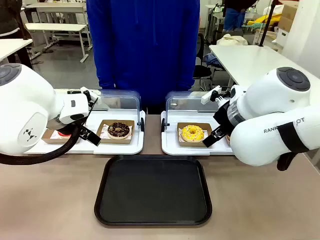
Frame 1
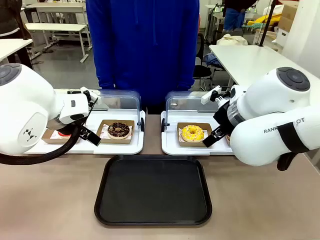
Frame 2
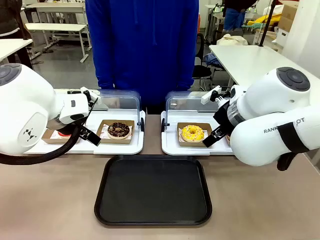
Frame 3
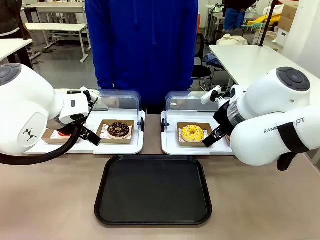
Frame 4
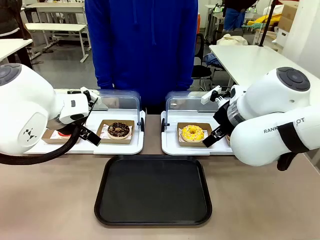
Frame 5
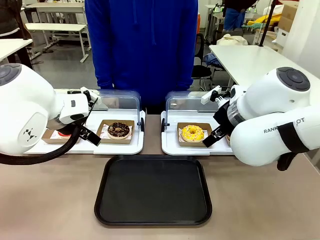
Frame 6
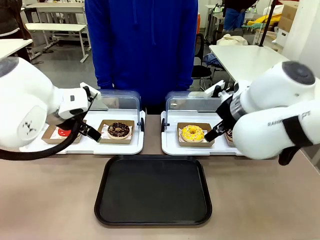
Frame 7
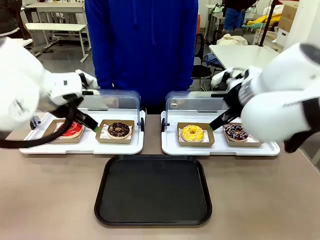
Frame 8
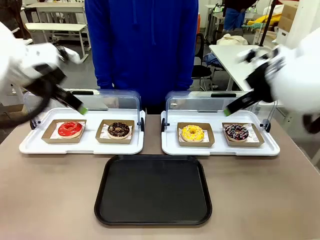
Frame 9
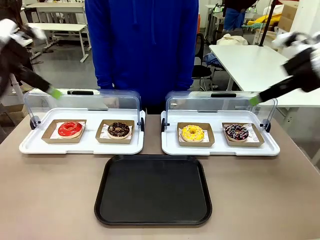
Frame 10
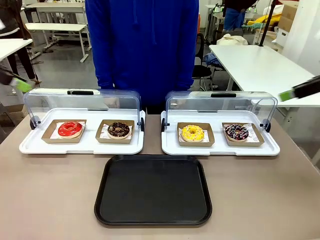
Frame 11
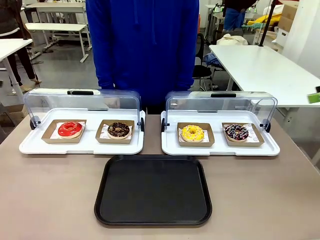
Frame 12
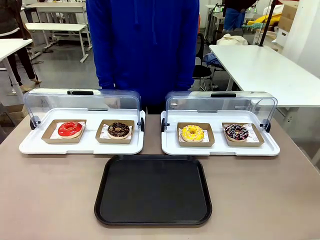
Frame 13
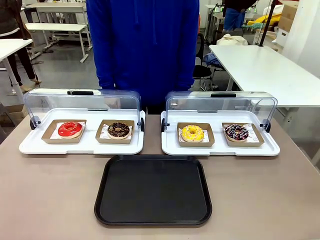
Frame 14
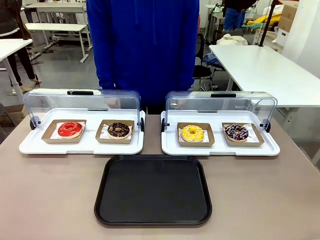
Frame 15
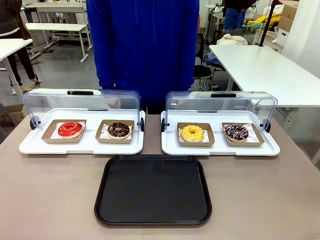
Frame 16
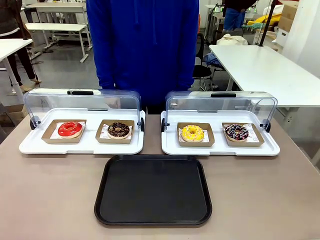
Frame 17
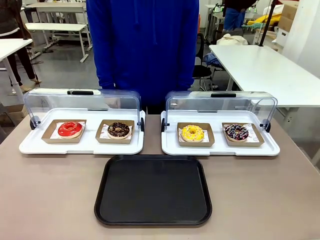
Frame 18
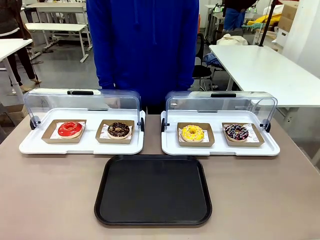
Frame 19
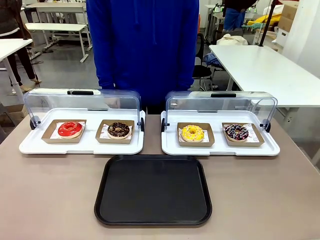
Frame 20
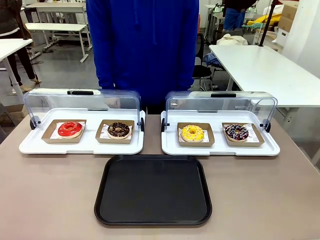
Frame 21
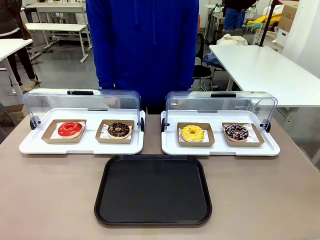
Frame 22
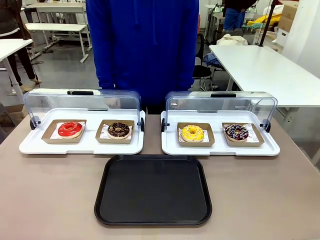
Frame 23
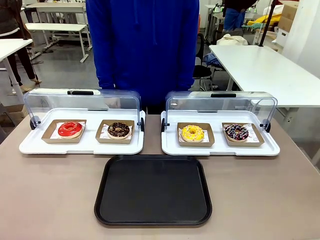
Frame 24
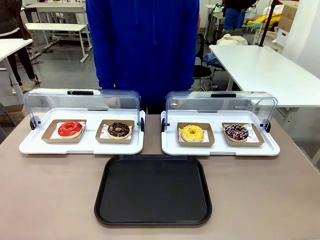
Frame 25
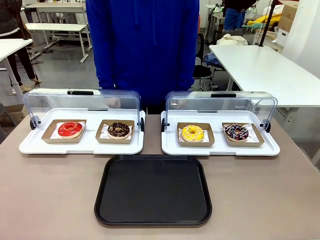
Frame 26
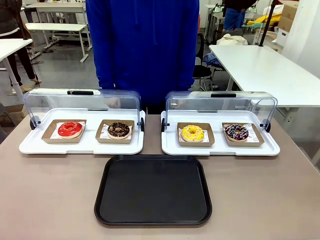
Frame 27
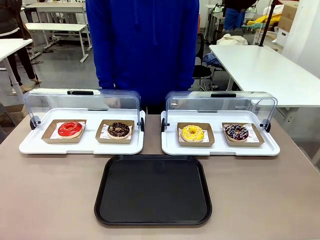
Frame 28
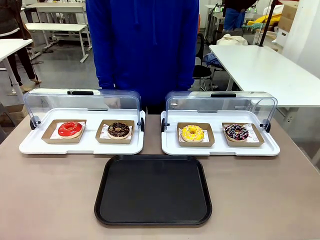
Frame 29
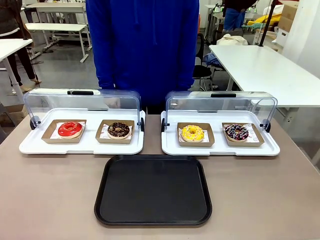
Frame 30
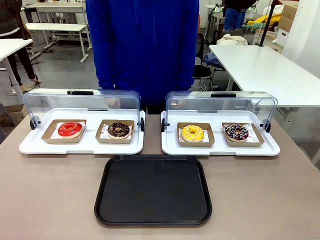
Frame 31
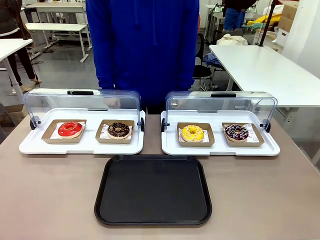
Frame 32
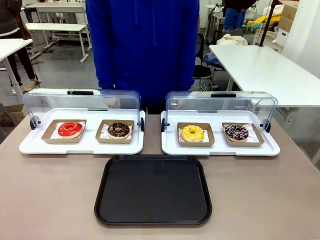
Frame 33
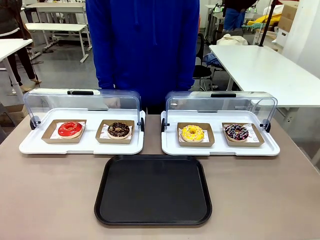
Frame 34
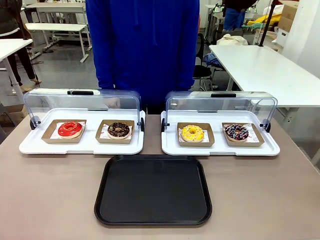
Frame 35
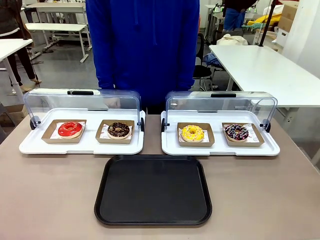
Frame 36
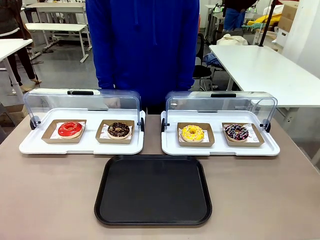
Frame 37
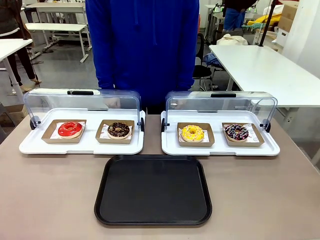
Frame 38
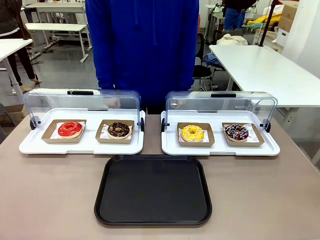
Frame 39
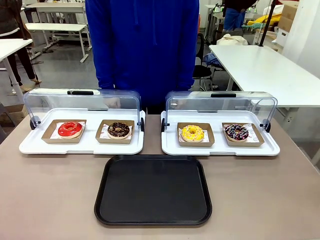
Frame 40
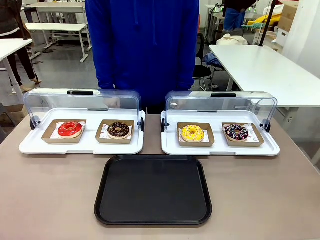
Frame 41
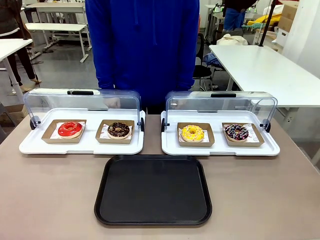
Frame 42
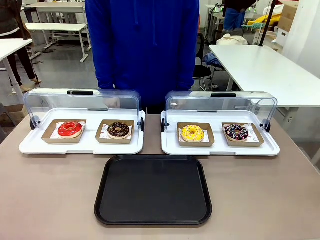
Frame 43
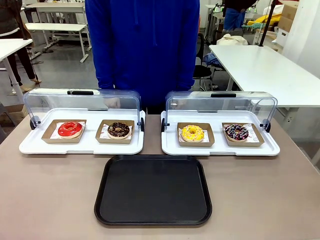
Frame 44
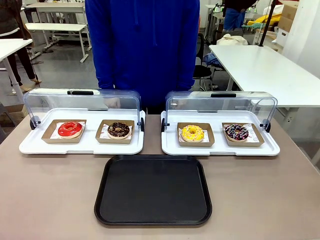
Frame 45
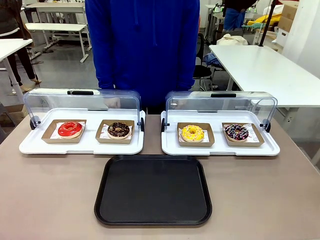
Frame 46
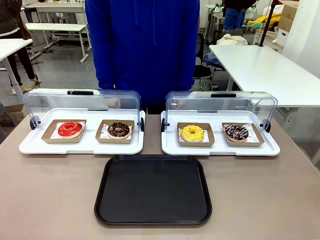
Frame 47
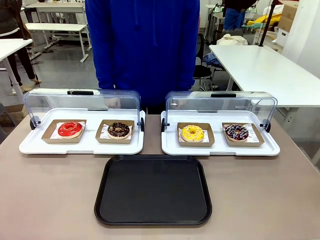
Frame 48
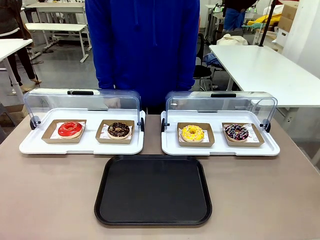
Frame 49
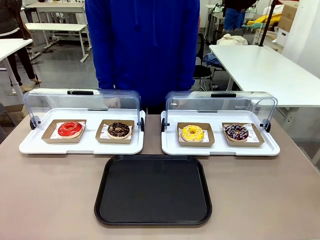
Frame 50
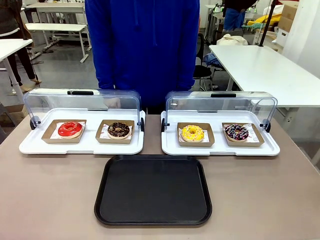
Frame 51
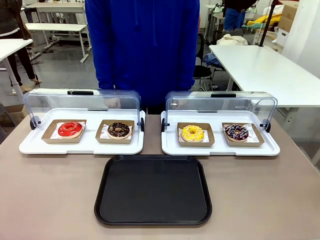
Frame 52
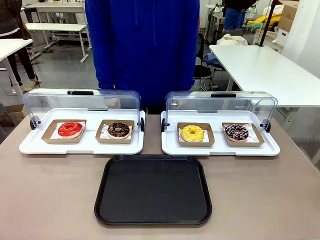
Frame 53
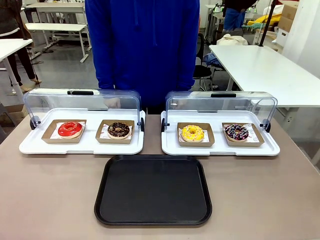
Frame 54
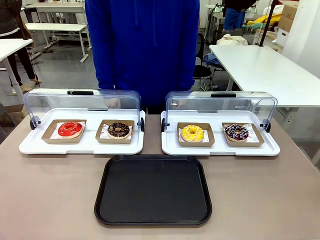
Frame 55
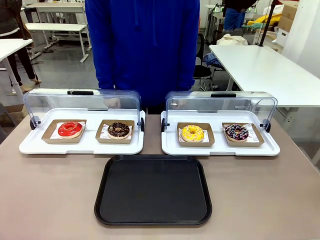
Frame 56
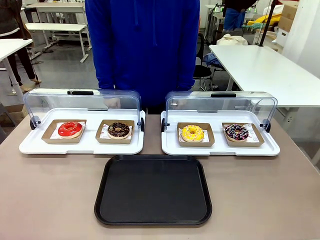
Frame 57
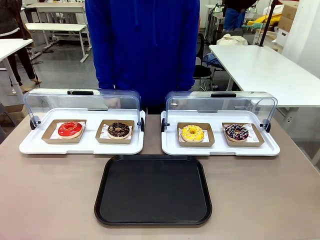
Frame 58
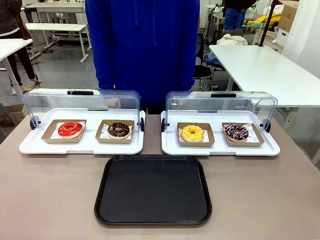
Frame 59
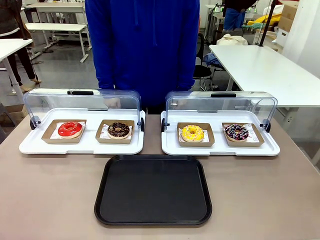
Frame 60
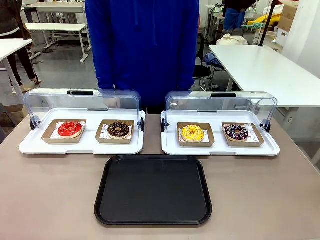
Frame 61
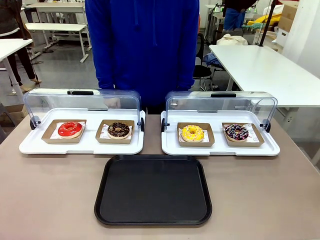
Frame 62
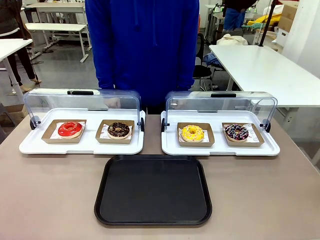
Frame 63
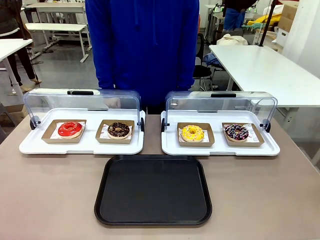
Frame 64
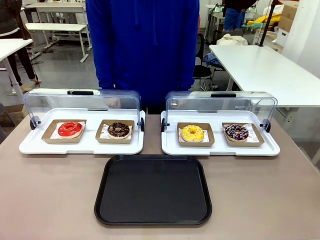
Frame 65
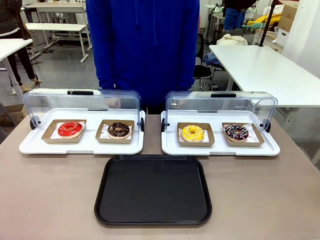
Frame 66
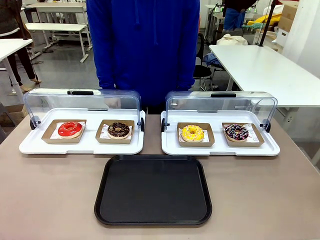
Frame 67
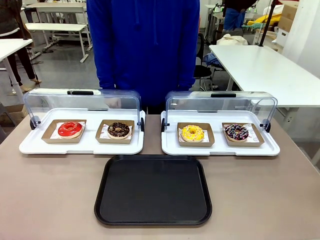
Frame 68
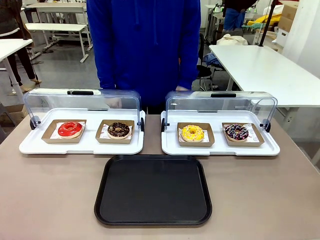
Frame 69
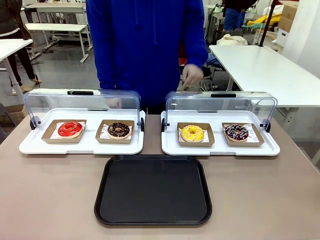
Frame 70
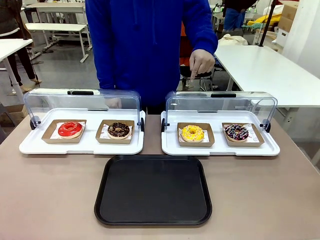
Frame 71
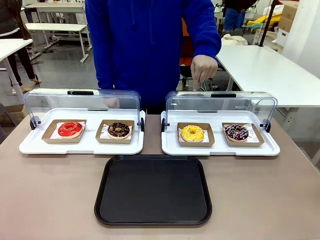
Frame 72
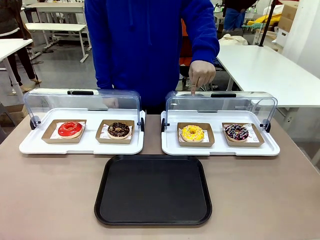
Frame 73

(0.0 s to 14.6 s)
Task: Move the third donut from the left to the tray.
Robot: Pick up the Paper togo box containing the Donut indicated by the person and place it on the Handle tray.
